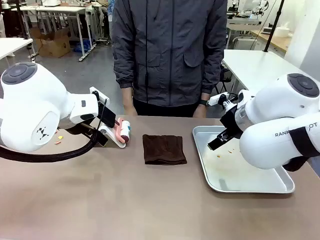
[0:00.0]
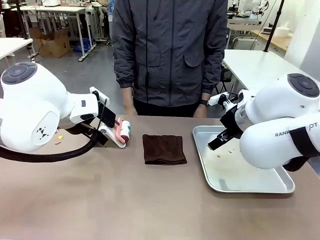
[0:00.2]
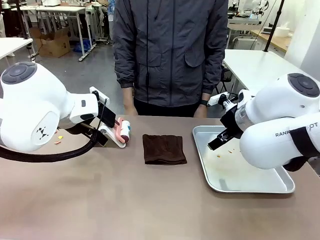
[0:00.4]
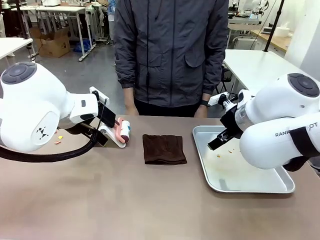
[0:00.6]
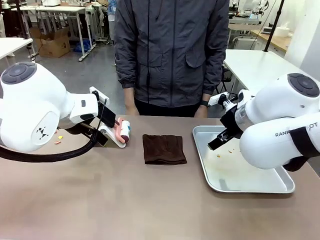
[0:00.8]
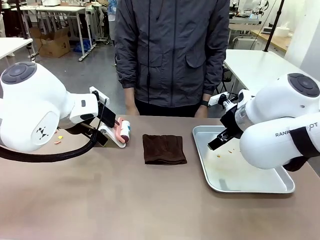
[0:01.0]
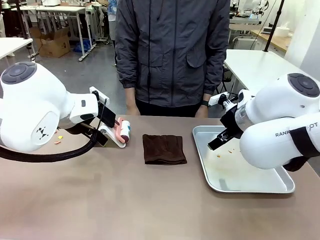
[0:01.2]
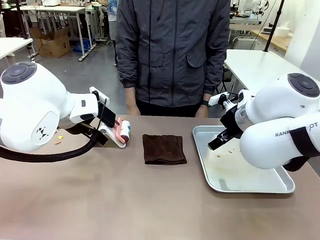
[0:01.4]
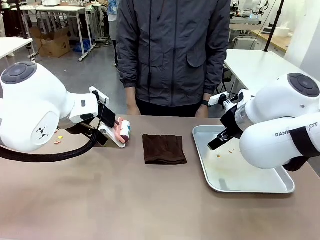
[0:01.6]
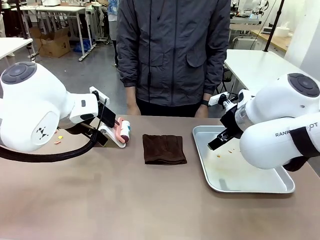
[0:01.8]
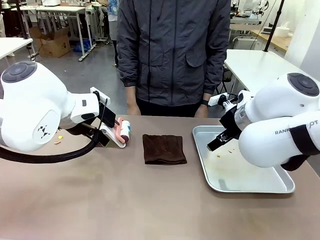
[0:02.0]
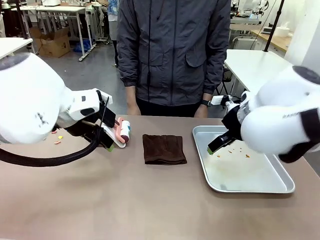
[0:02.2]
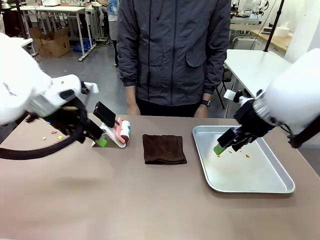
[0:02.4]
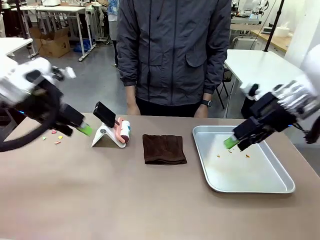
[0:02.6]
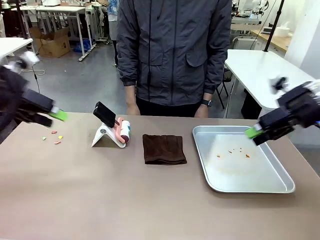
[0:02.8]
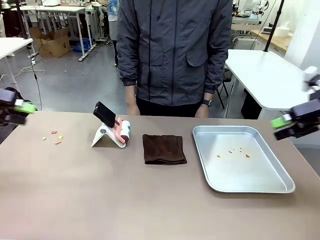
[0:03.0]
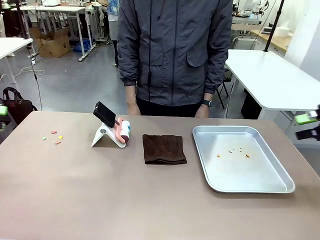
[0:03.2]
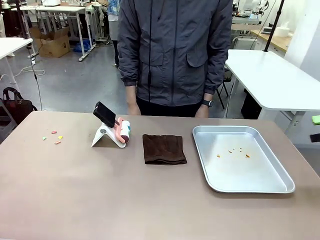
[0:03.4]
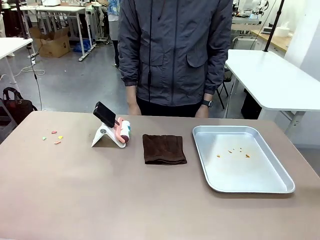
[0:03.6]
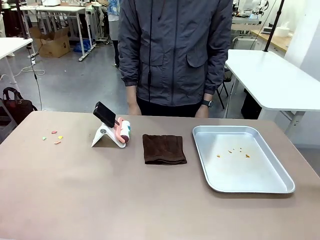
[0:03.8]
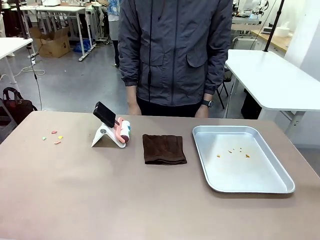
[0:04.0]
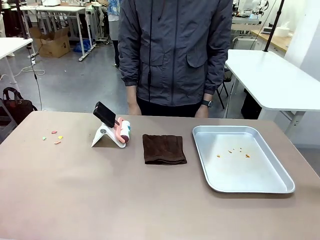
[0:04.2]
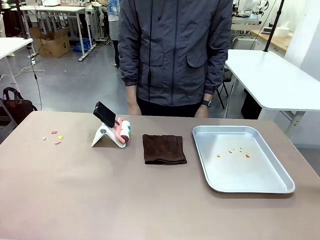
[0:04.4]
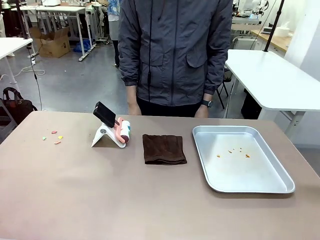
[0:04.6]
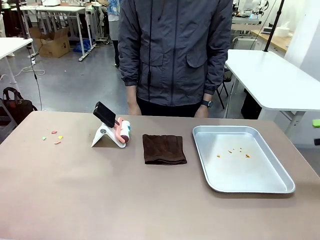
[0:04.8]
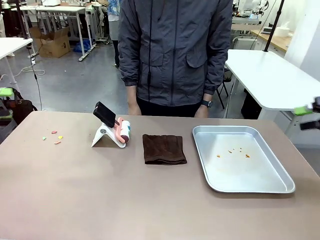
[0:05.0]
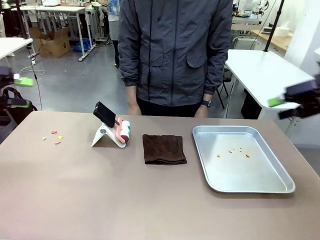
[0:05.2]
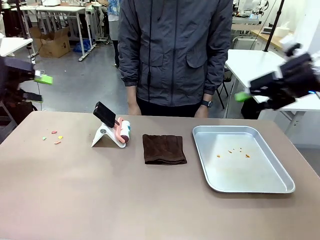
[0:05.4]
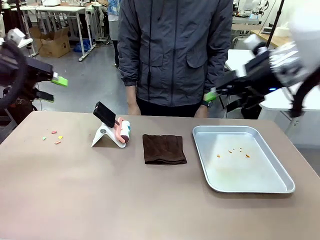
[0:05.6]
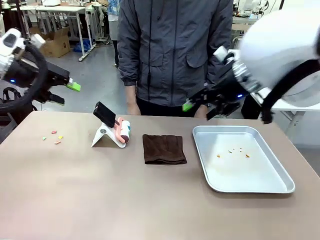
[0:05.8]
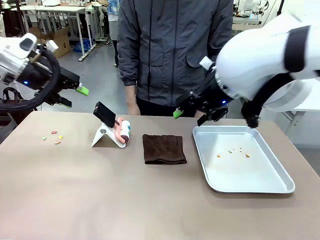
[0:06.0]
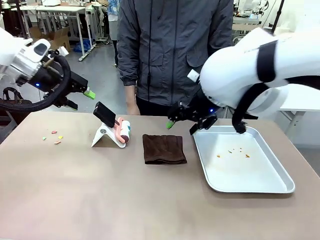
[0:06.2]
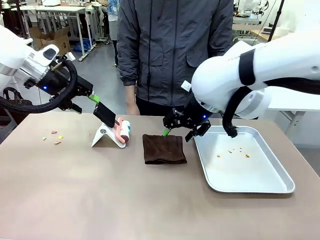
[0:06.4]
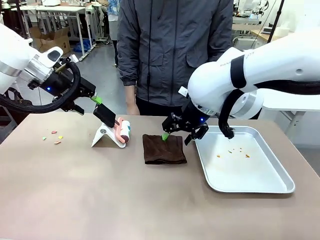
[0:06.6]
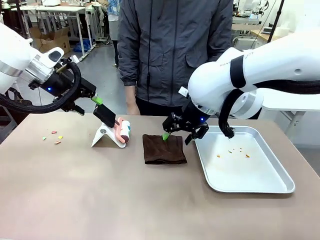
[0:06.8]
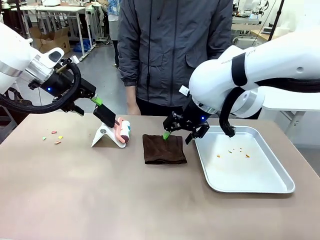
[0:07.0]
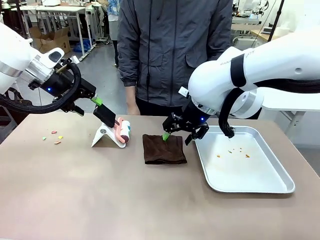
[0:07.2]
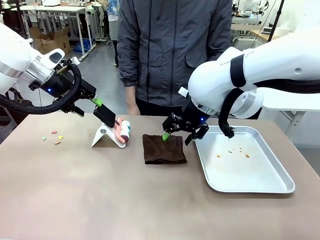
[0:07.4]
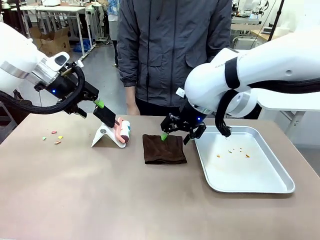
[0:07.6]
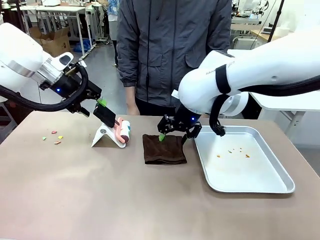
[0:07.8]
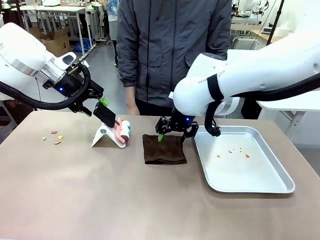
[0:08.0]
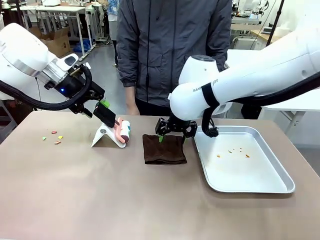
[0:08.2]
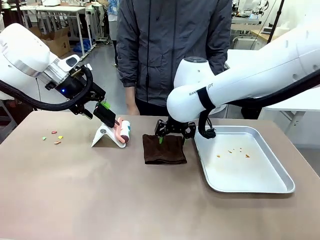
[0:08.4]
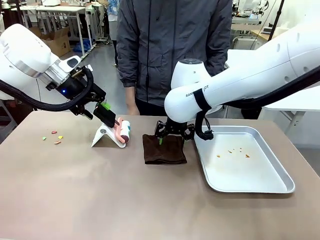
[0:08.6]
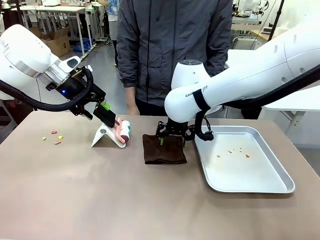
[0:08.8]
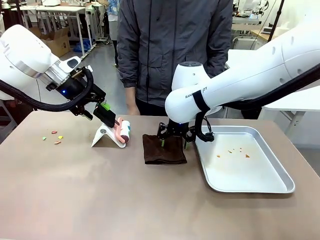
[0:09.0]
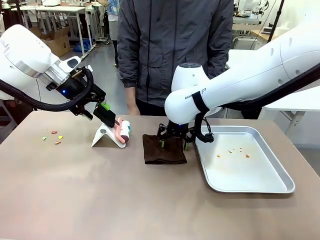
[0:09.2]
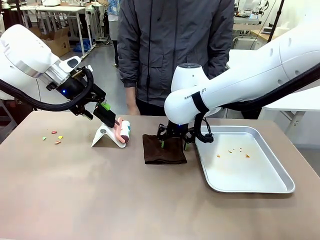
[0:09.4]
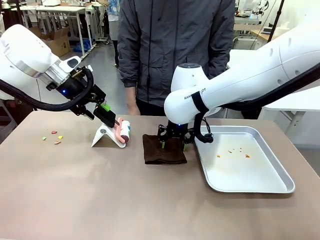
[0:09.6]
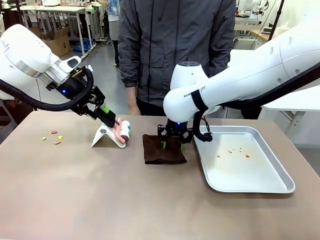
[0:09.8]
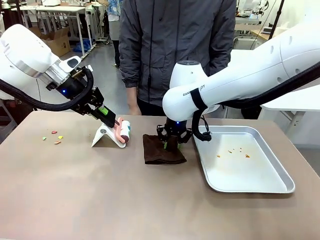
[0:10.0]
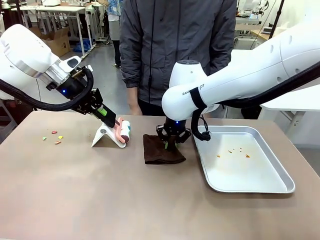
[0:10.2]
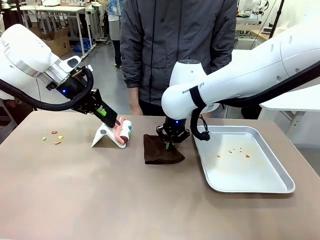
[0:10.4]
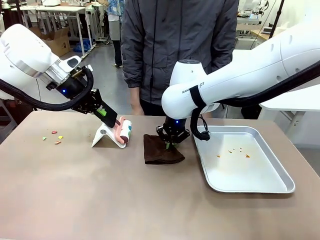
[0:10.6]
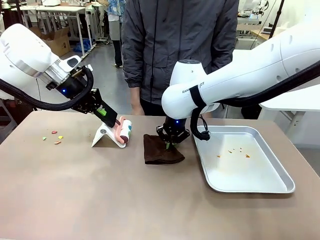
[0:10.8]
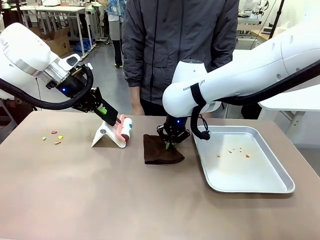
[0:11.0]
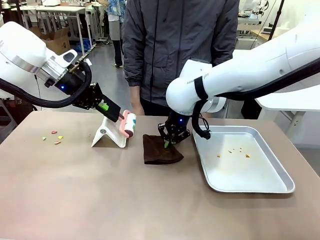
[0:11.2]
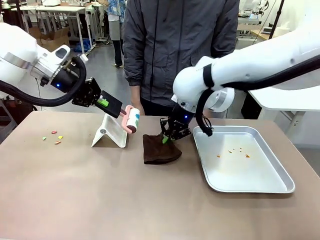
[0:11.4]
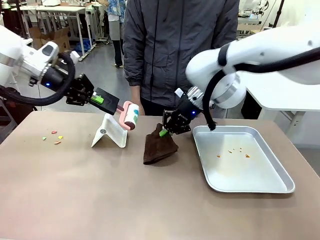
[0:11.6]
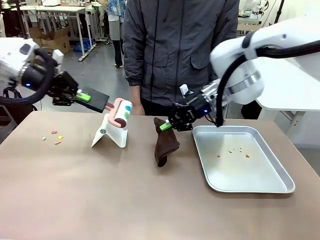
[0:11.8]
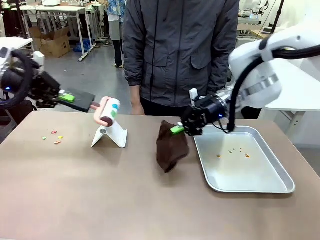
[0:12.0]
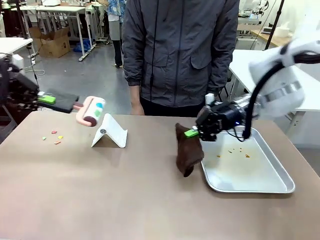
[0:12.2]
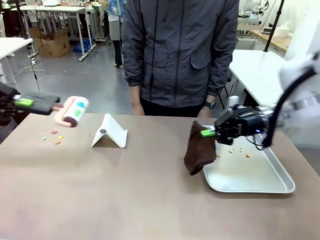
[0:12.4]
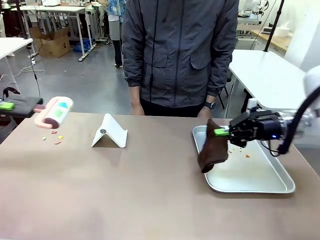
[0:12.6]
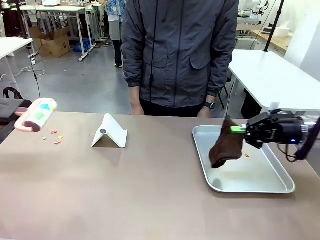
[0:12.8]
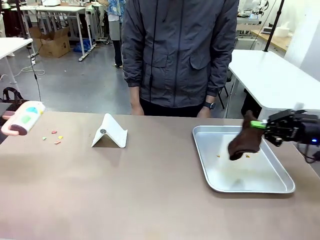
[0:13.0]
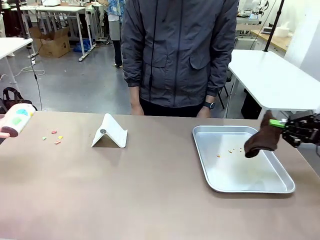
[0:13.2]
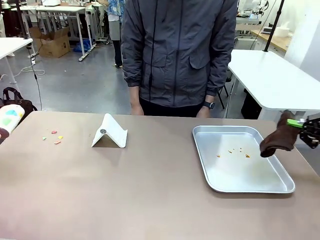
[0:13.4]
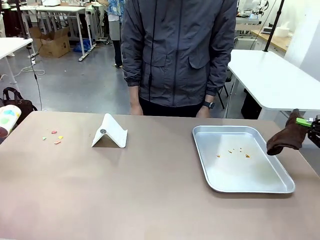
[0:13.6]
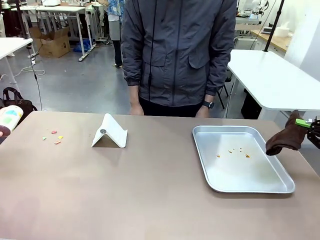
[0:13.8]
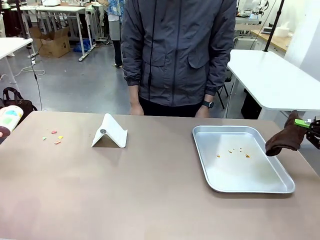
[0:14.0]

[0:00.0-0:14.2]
Task: Clean the surface of the table.
Robot: Hold the Lint Roller with your left hand and the towel with your right hand.

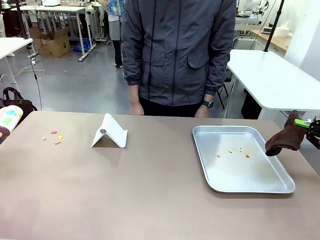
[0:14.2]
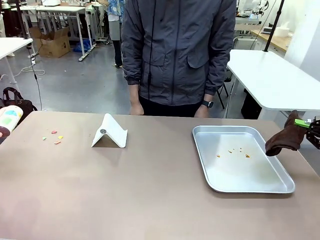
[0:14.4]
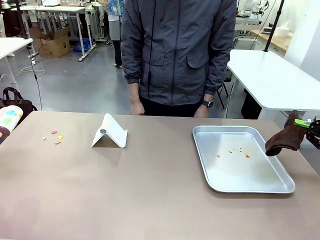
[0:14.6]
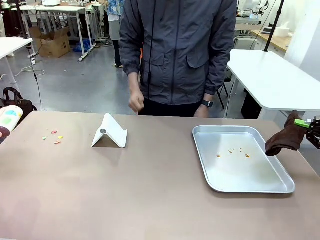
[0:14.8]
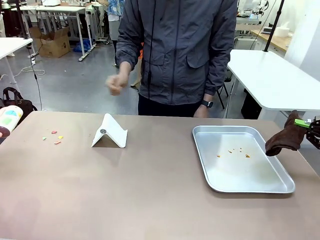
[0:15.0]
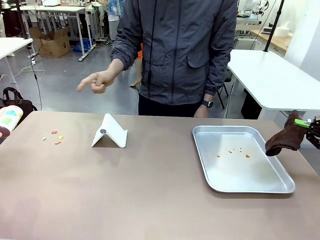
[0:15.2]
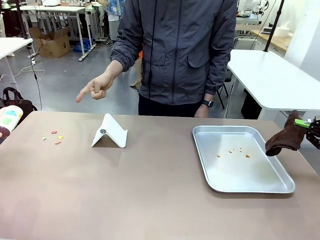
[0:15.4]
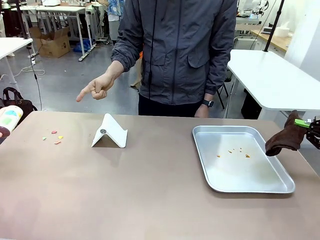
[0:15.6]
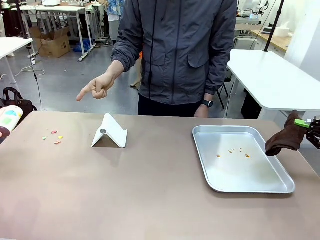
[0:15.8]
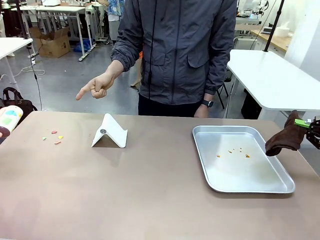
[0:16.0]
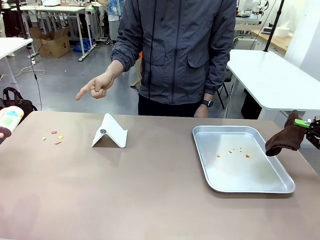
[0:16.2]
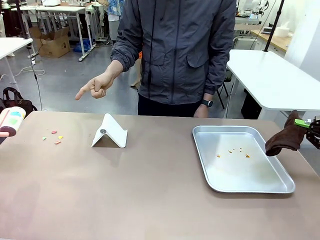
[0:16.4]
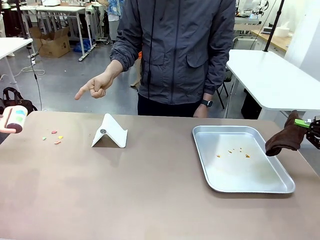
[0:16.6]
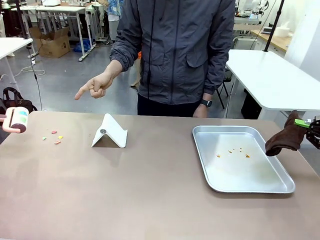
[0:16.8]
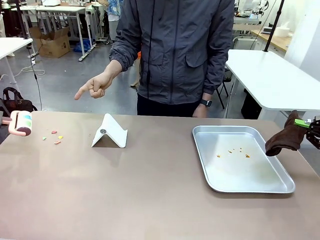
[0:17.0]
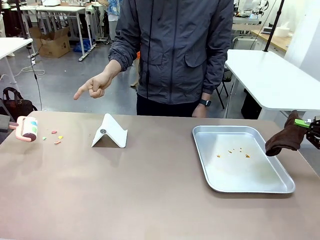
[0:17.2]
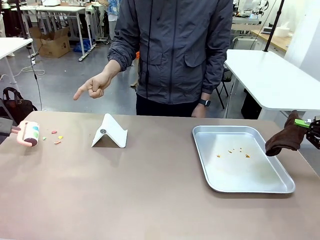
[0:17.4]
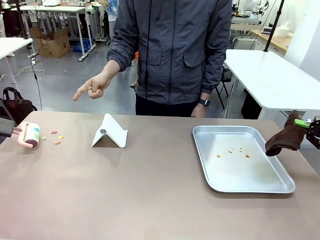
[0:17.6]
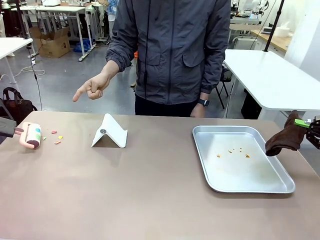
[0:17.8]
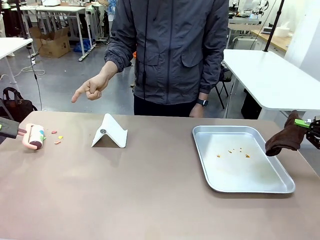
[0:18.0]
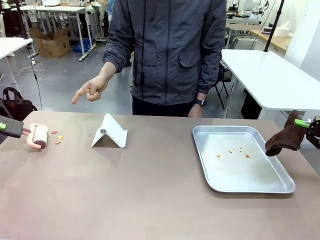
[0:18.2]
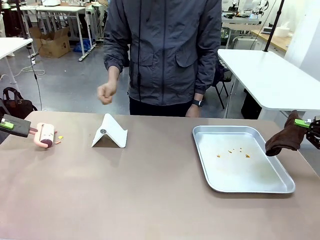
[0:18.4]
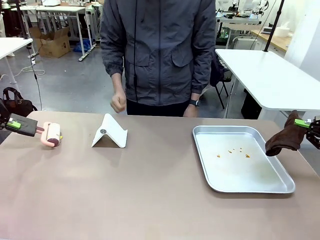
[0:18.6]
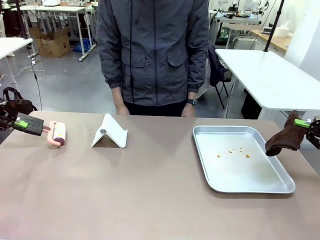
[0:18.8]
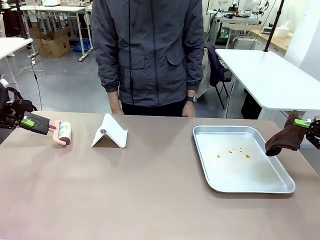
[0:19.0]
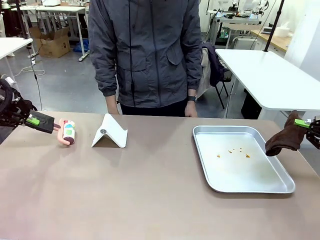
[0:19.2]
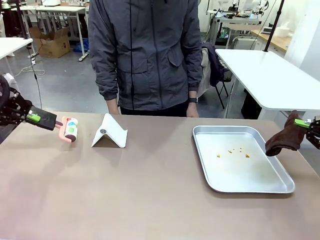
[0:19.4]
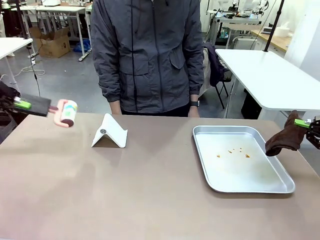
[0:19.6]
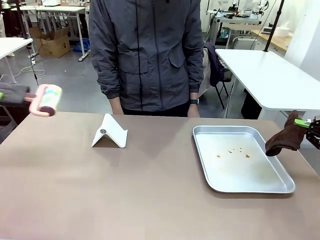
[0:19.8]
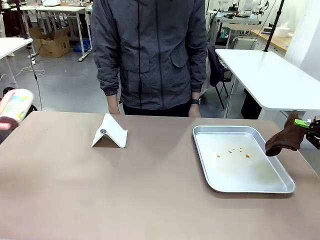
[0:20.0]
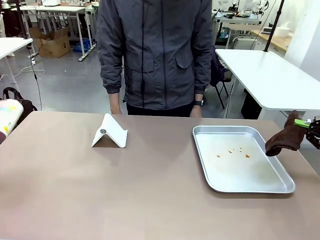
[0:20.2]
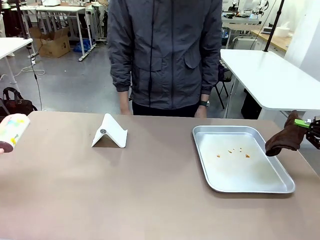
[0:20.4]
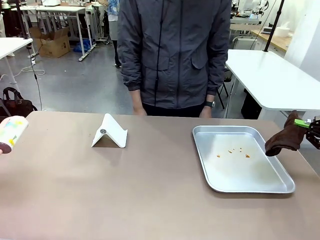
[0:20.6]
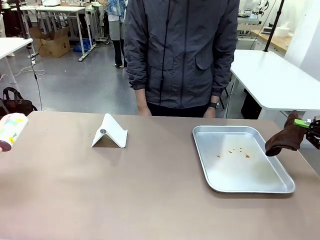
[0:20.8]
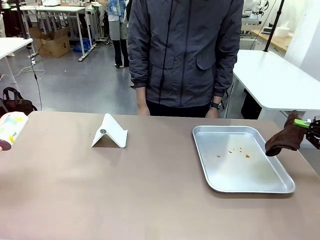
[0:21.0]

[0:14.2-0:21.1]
Robot: If a person points to the right, clean the right side of the table with your right hand, and if they point to the left, clean the left side with your left hand.
